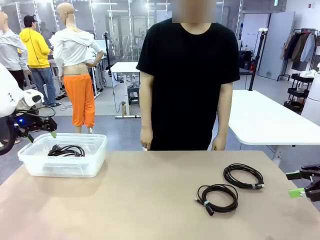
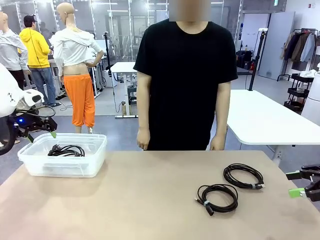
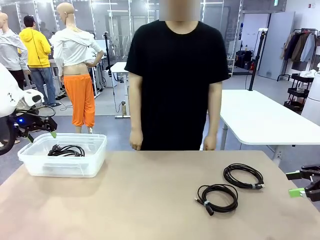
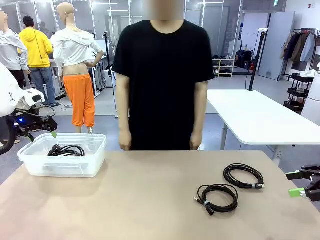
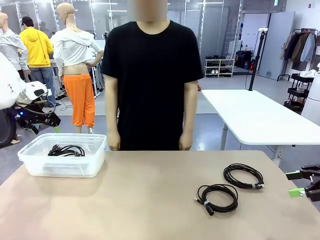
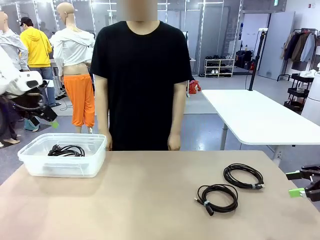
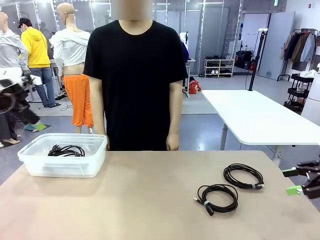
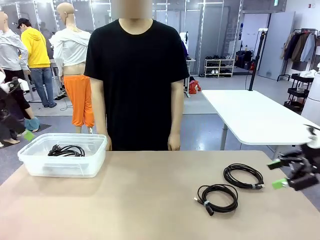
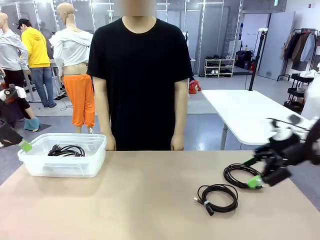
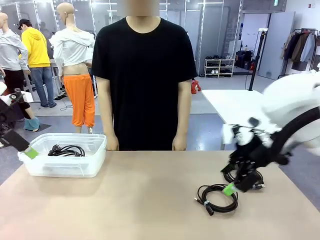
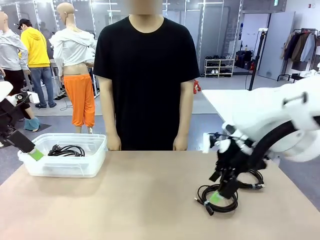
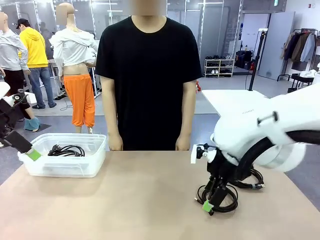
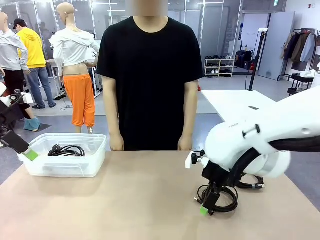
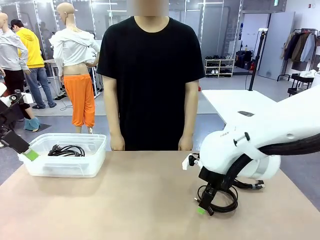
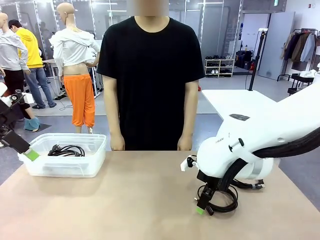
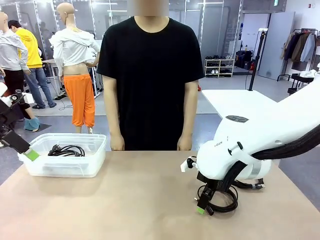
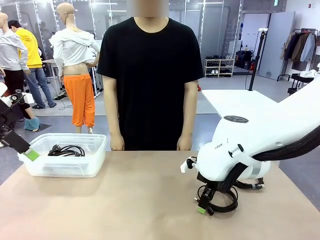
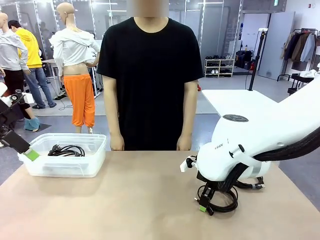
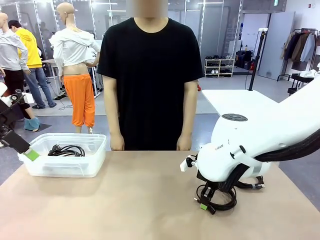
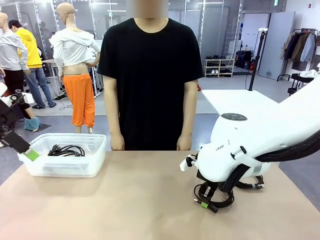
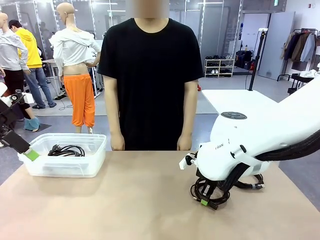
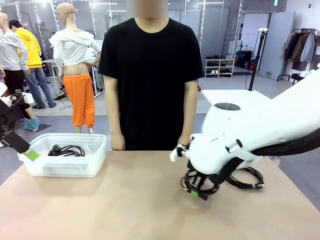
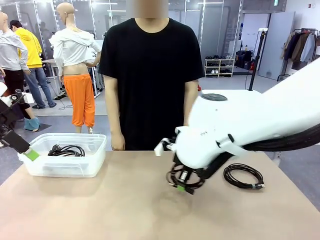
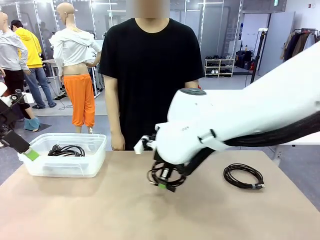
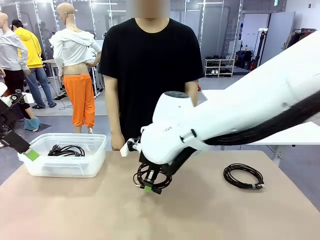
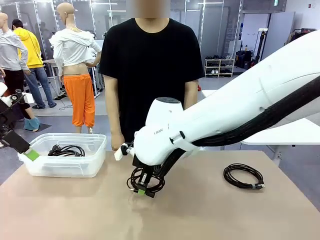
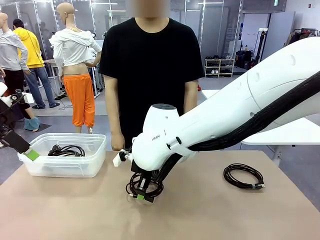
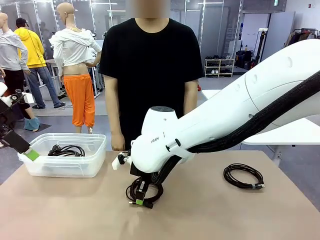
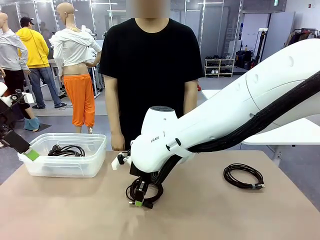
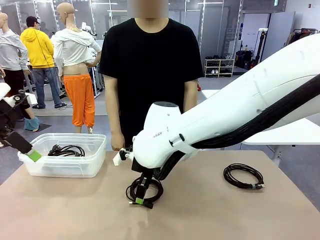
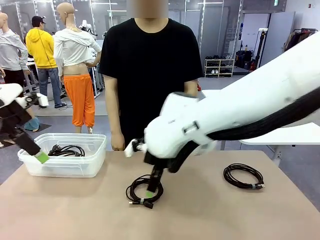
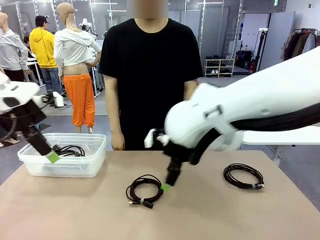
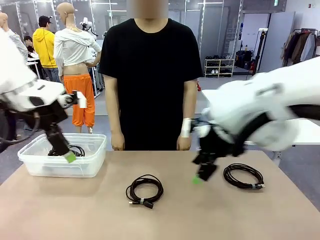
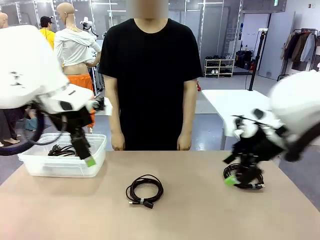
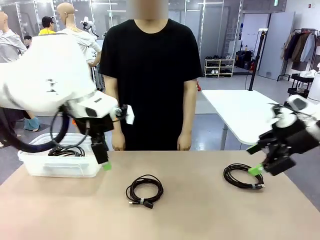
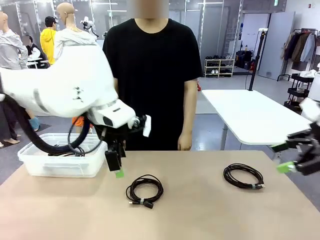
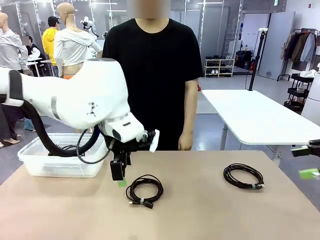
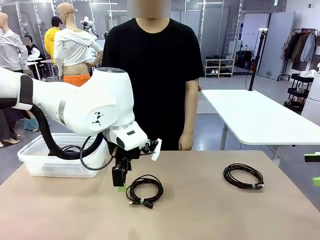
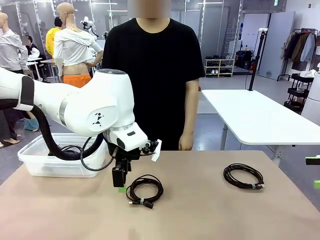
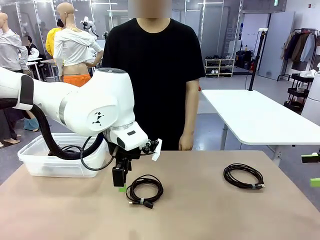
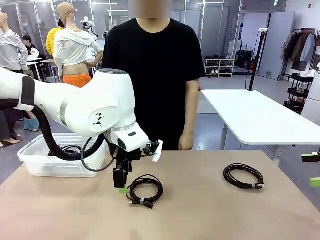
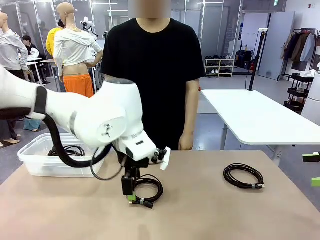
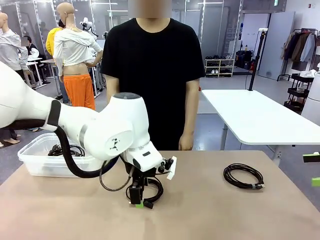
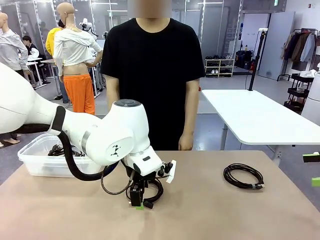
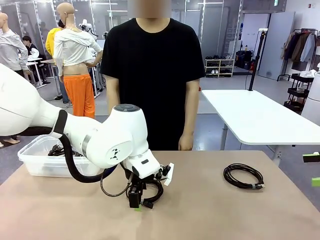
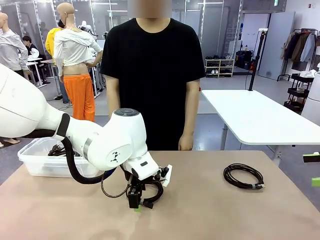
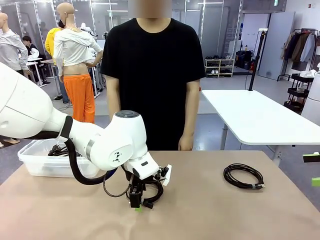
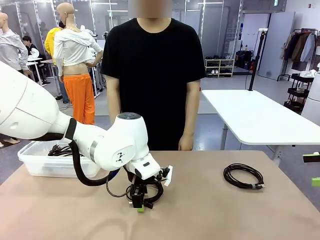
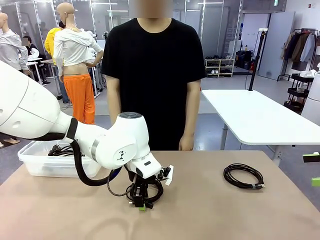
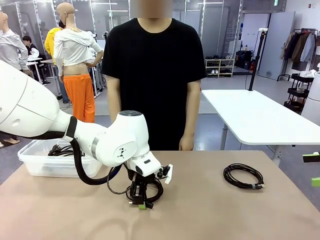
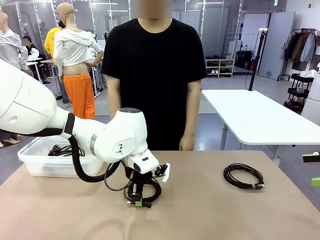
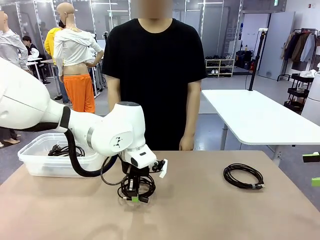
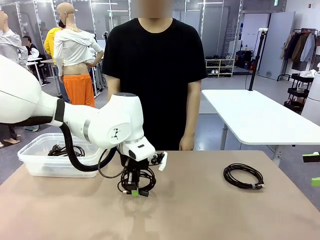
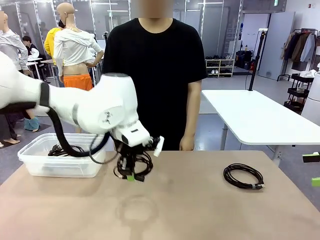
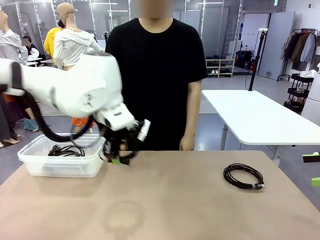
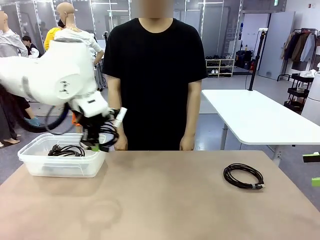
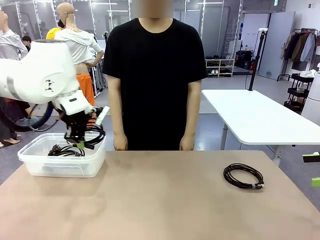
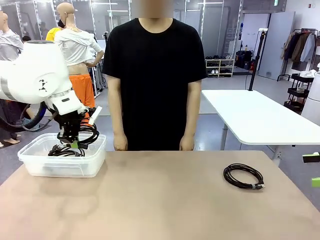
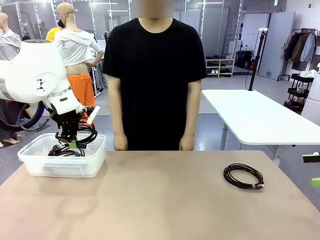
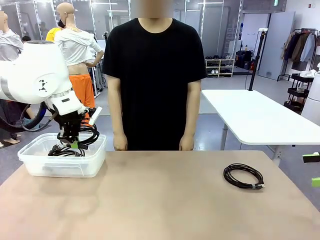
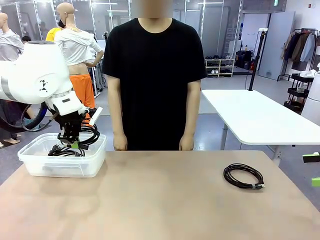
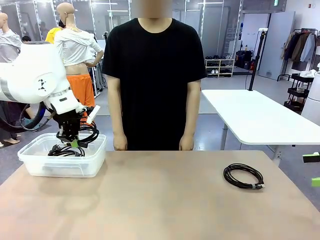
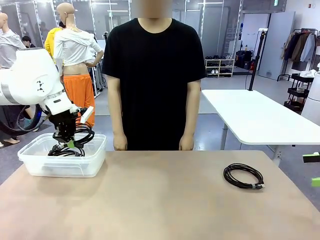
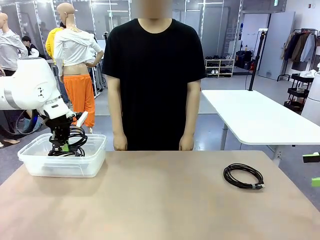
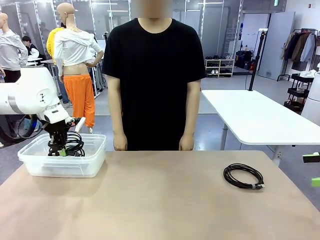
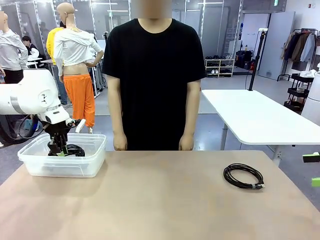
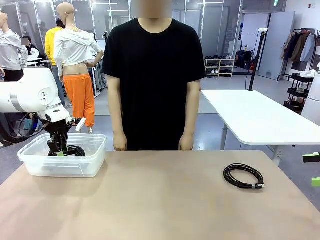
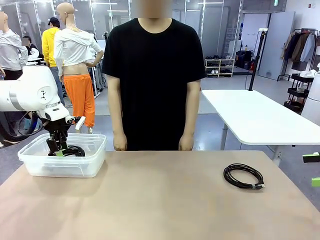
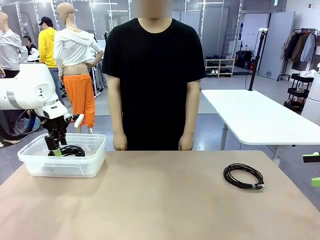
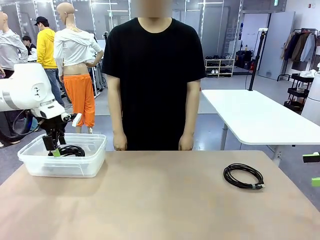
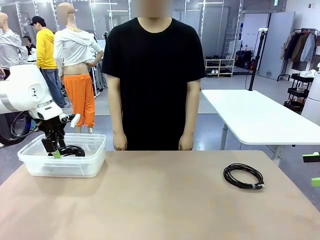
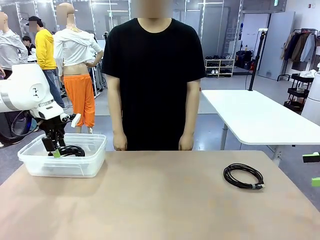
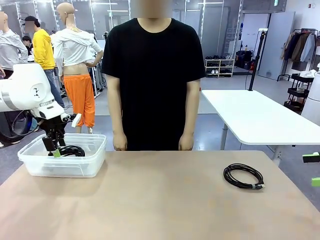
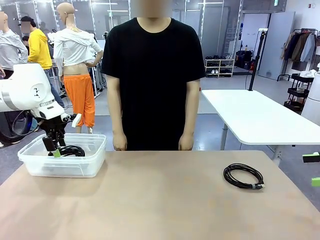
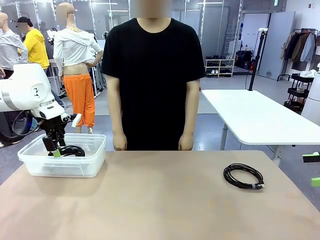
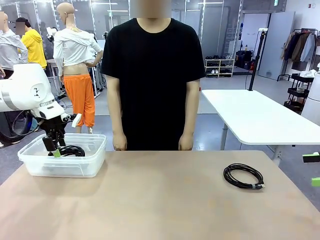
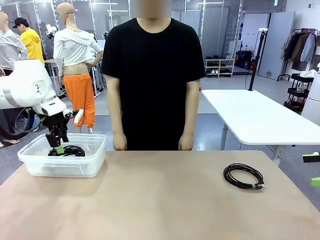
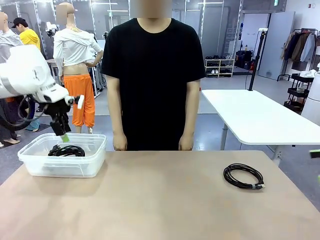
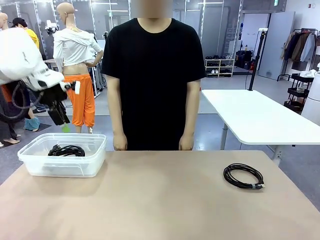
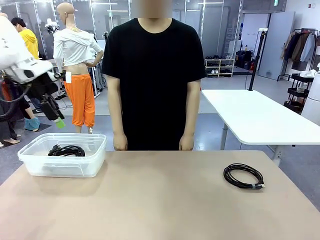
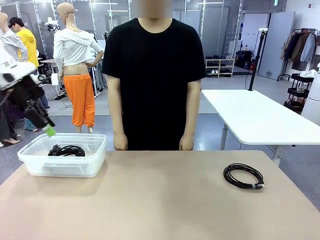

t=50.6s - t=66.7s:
Task: Organize and store the cables.
Robot: Place the USB Extension Cable into the Organizing box.
